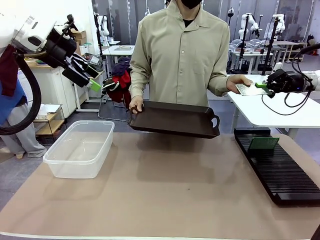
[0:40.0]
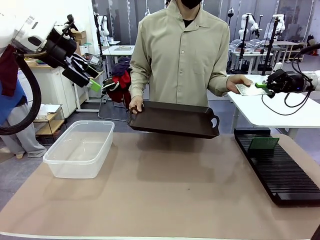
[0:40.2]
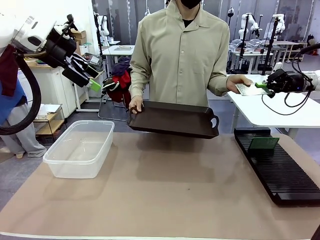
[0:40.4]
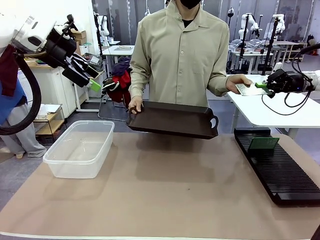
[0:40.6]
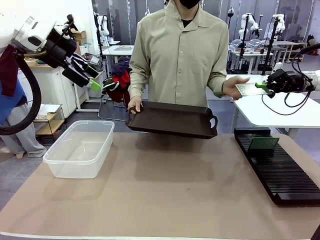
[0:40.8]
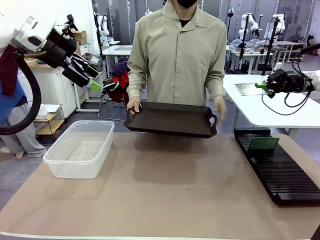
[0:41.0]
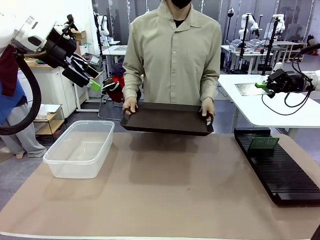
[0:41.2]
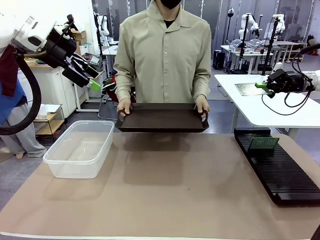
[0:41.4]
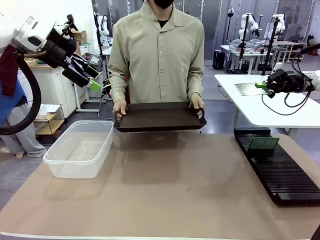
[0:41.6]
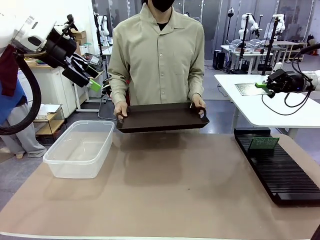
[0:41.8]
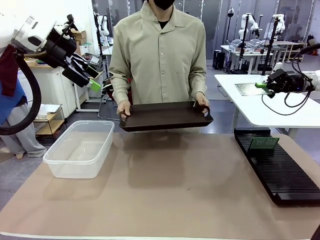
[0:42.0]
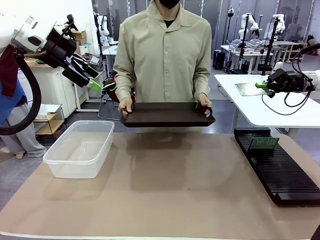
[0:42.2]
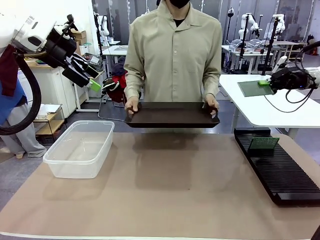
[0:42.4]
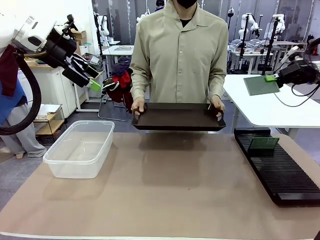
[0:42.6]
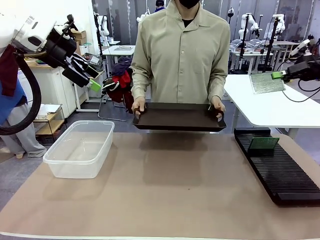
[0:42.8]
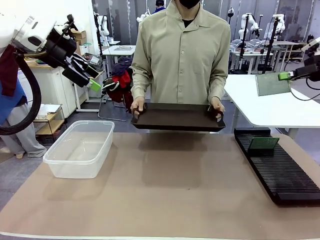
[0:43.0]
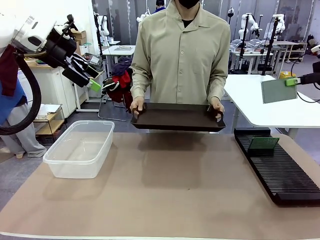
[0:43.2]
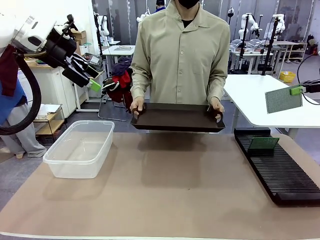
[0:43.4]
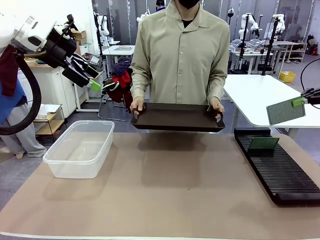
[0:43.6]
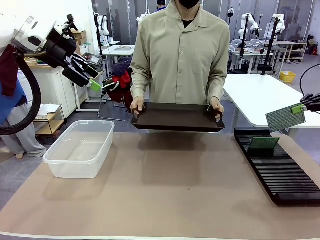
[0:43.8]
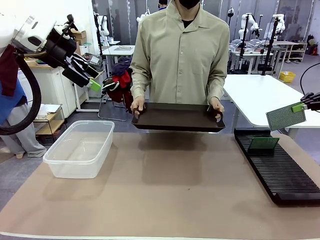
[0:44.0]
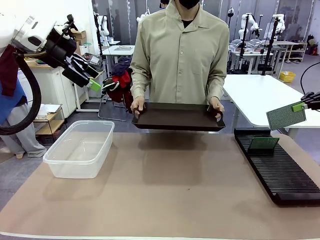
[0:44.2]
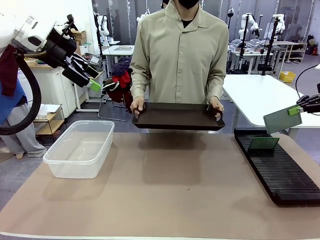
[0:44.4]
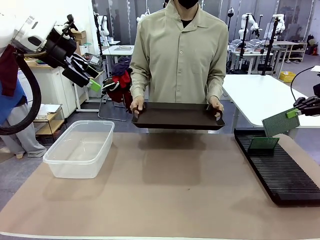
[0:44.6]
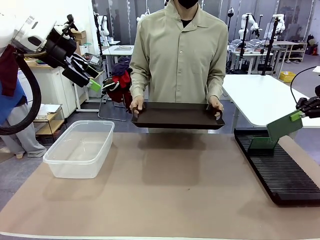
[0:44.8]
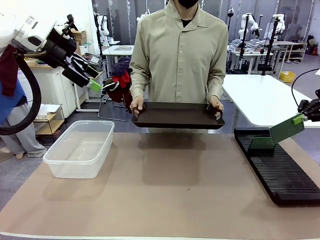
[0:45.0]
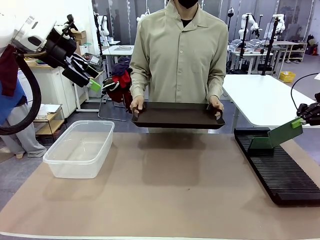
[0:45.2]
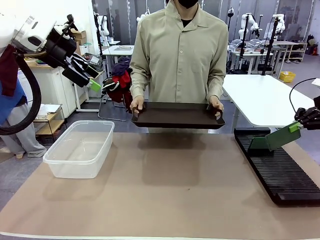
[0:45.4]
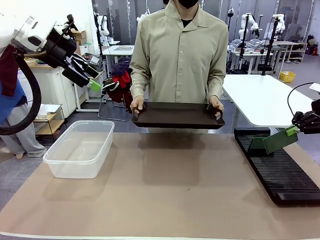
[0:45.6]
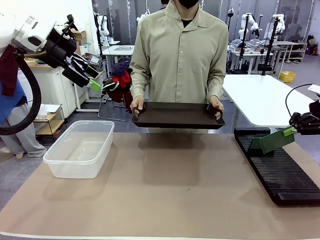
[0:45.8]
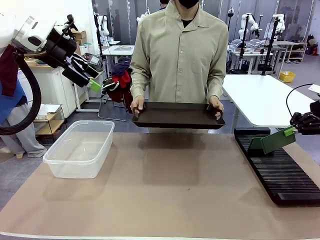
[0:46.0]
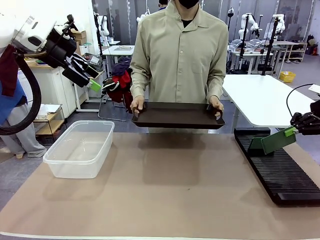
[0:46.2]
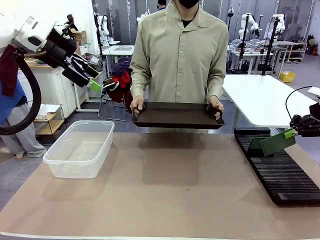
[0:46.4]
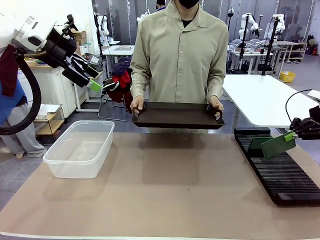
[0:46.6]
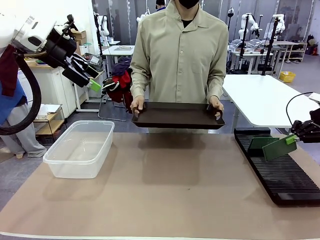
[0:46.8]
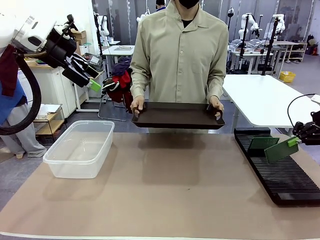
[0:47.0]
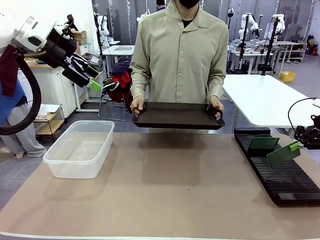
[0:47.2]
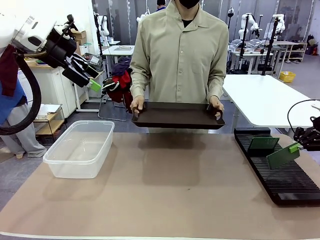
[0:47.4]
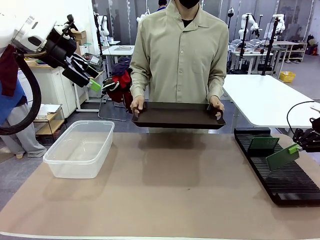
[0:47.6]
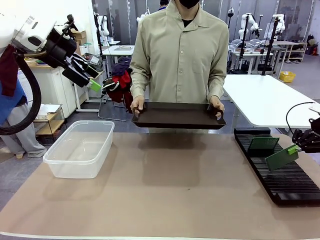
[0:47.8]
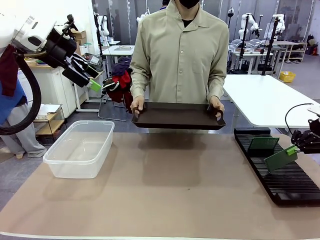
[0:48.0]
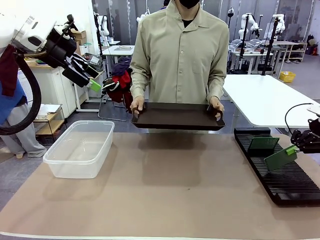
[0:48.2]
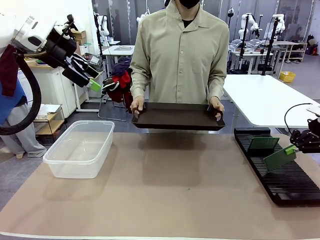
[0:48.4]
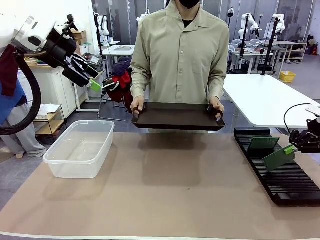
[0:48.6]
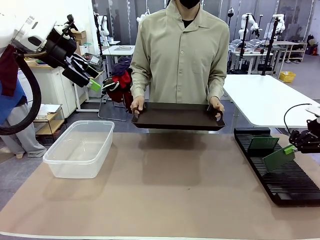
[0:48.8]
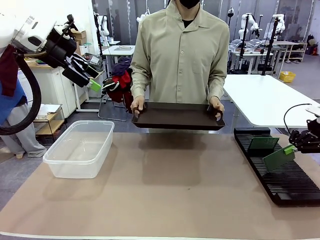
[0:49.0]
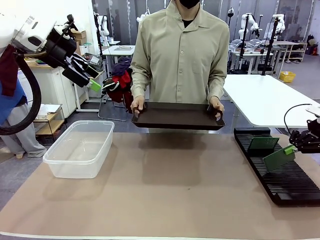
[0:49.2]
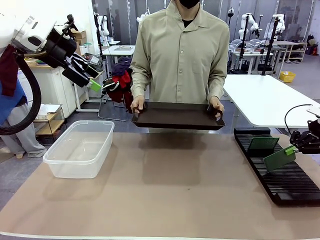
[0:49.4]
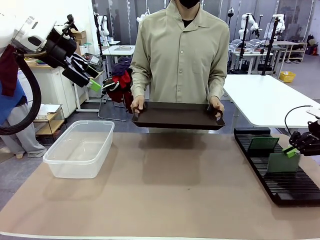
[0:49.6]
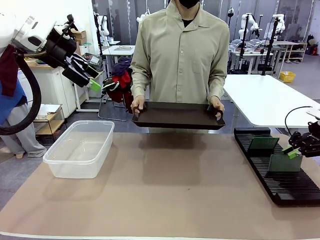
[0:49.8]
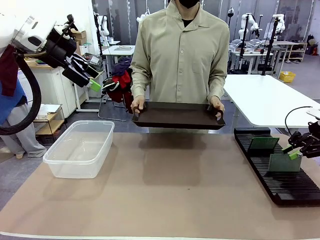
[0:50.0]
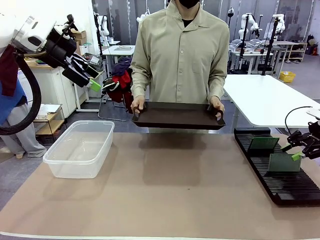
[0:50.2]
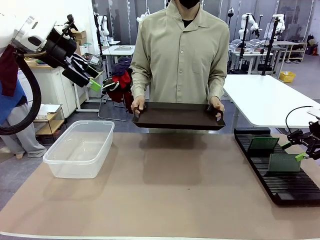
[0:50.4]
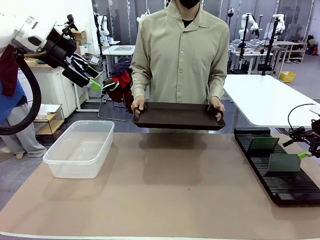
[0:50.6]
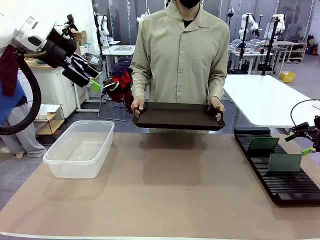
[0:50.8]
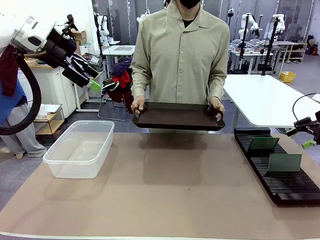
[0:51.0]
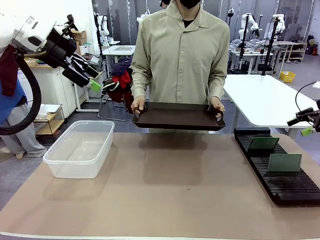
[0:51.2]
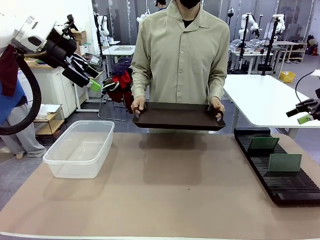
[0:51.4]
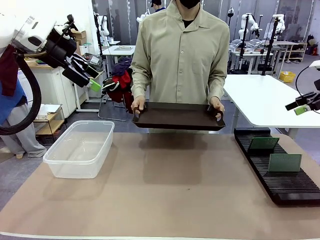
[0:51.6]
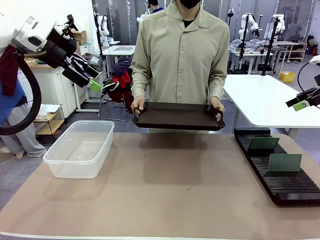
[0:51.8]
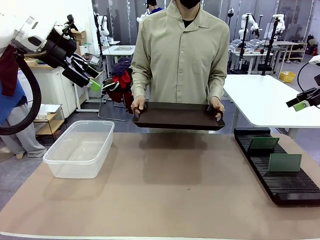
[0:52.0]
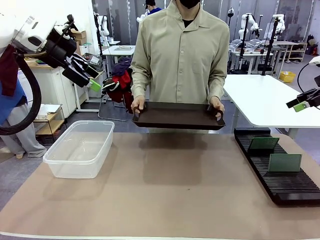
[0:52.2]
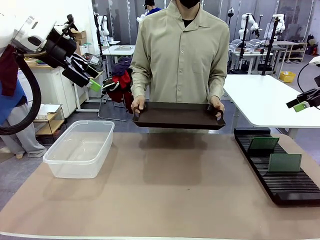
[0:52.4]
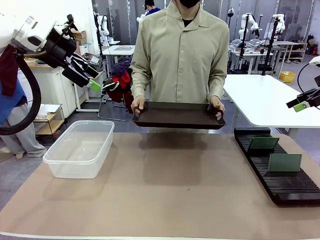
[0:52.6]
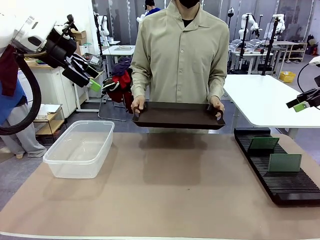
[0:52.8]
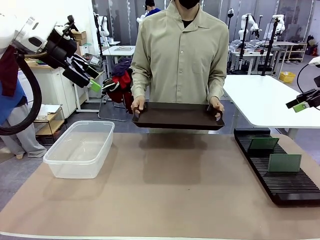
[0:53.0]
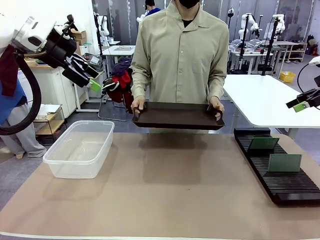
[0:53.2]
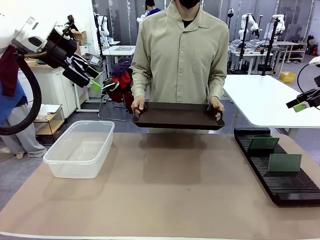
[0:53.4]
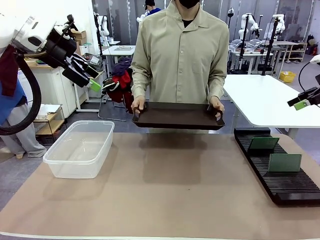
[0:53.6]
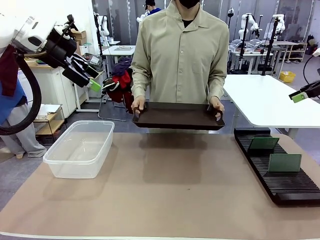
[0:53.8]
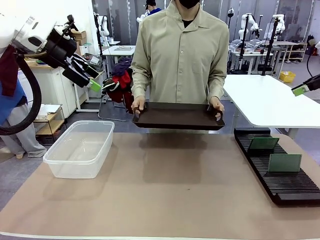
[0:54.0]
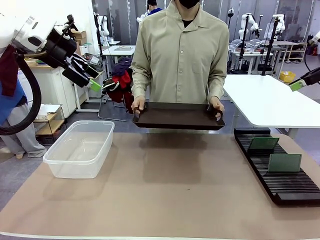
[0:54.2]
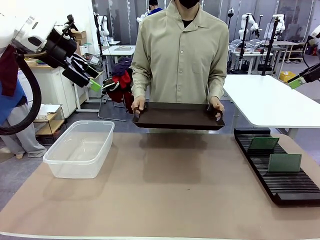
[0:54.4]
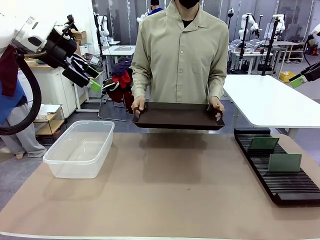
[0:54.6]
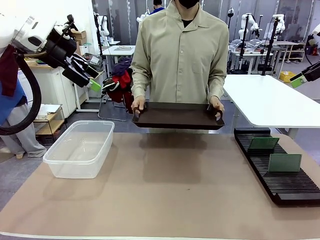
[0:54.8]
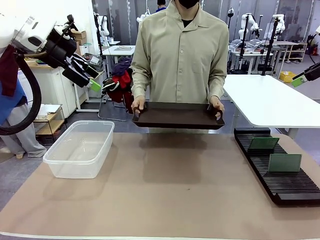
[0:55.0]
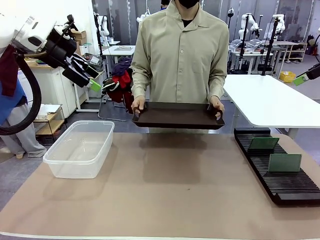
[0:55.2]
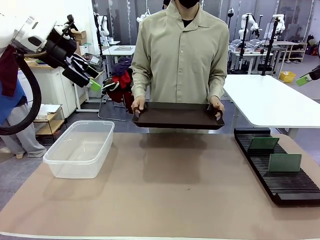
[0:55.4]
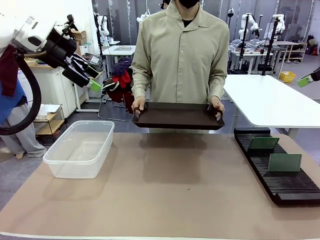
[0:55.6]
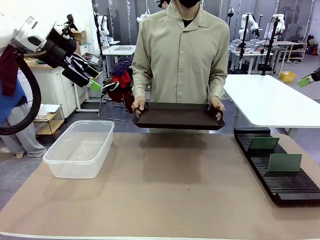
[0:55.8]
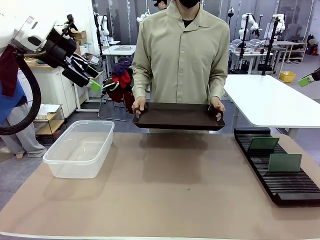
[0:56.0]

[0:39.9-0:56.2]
Task: Sort PCBs into racks and boxes based on the side picked up.
Robot: If the short side of the Blank PCB is picked up, insert it into the PCB Rack ; if the long side is picked up, place it in the Organizing box.
Person: Release the PCB being held.
